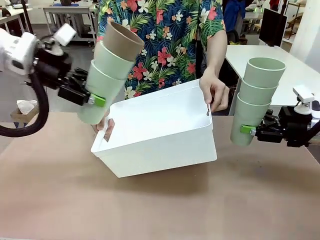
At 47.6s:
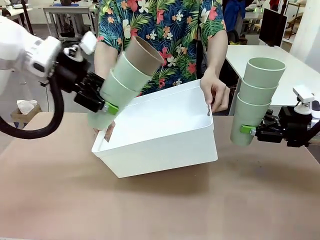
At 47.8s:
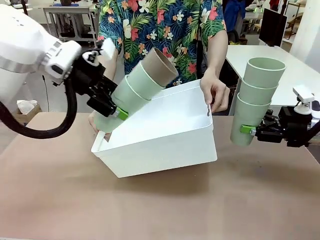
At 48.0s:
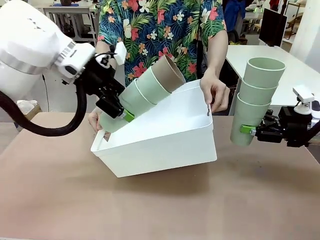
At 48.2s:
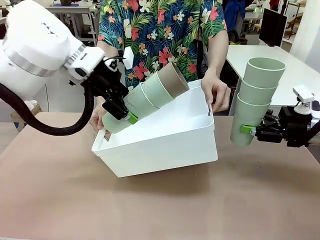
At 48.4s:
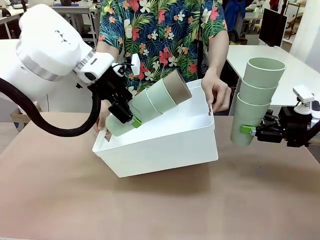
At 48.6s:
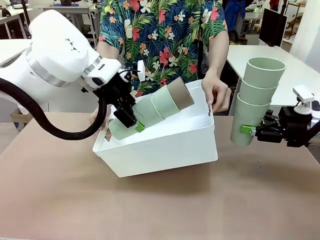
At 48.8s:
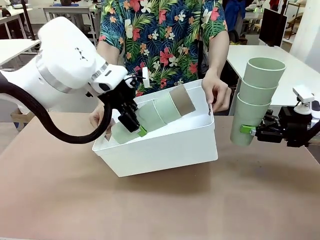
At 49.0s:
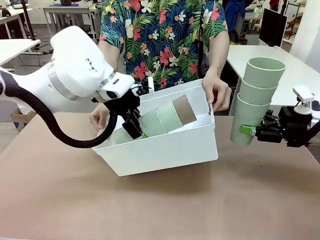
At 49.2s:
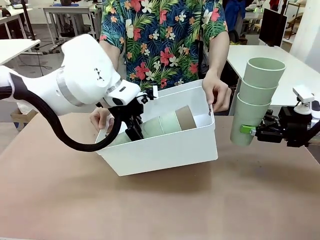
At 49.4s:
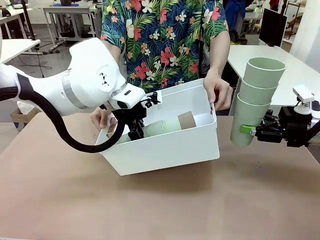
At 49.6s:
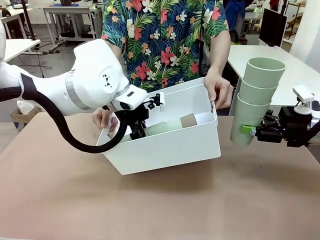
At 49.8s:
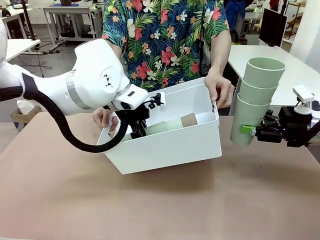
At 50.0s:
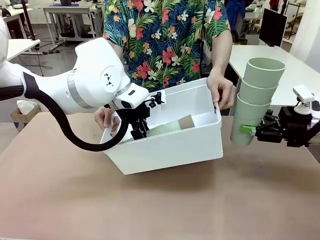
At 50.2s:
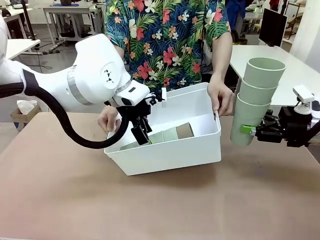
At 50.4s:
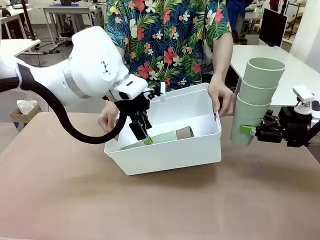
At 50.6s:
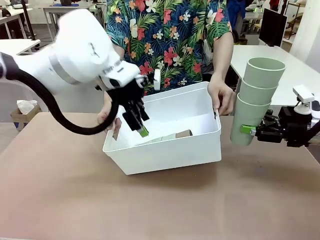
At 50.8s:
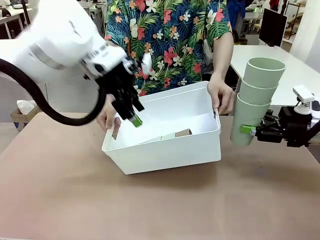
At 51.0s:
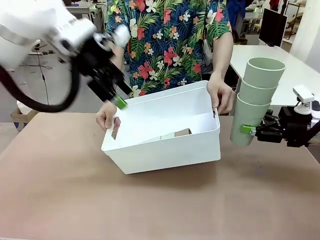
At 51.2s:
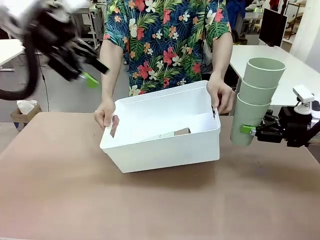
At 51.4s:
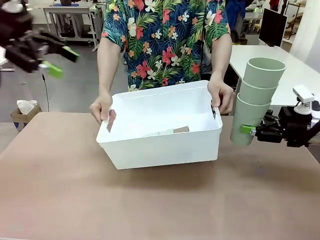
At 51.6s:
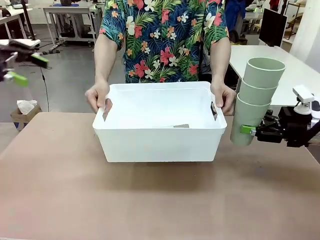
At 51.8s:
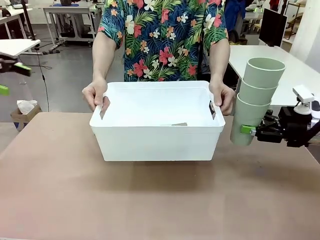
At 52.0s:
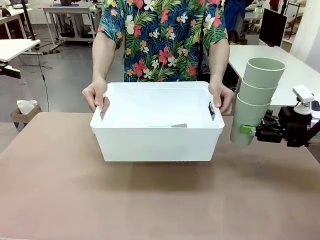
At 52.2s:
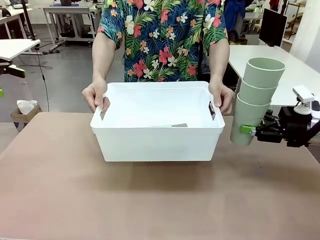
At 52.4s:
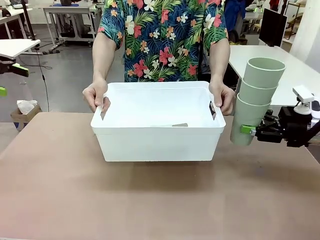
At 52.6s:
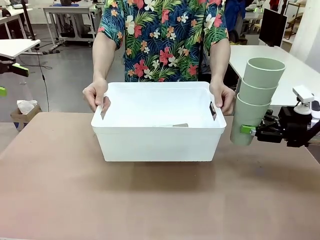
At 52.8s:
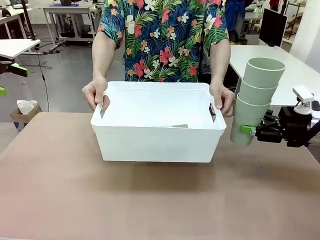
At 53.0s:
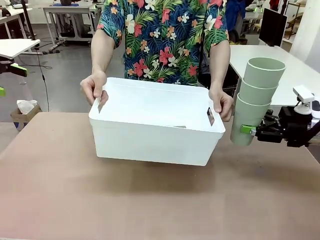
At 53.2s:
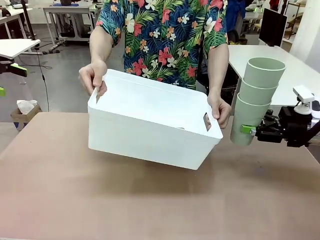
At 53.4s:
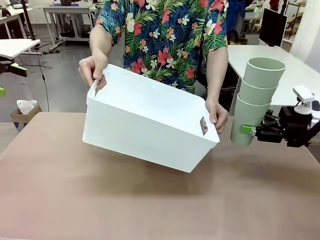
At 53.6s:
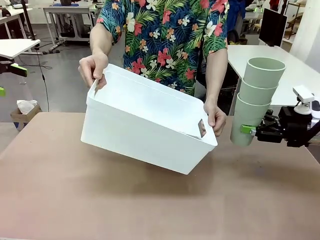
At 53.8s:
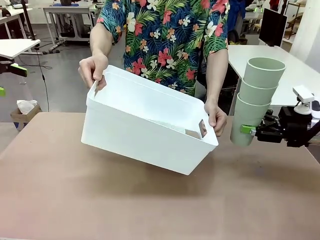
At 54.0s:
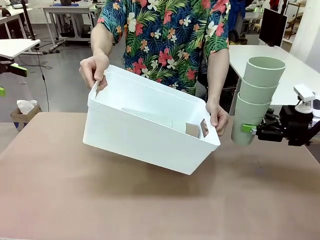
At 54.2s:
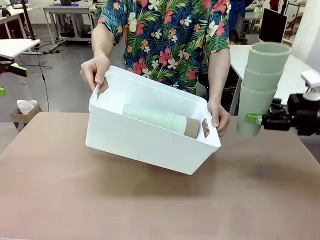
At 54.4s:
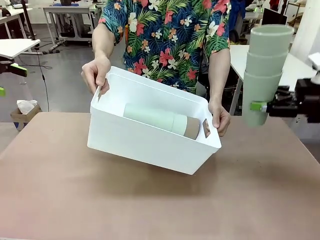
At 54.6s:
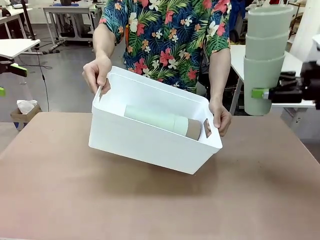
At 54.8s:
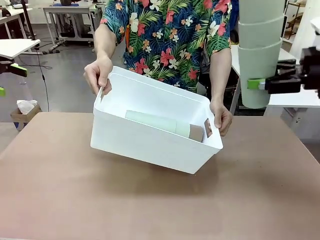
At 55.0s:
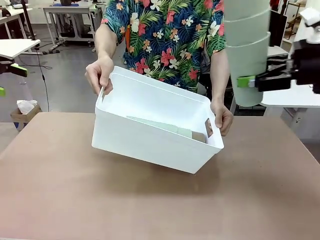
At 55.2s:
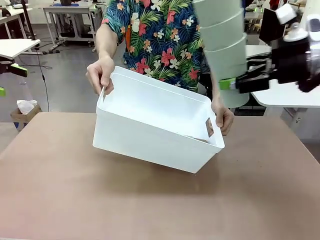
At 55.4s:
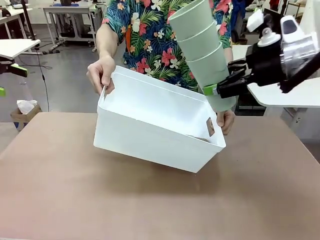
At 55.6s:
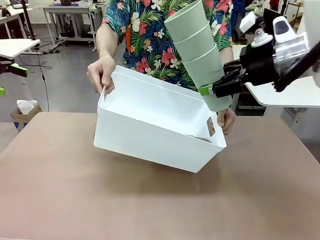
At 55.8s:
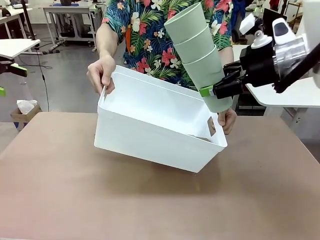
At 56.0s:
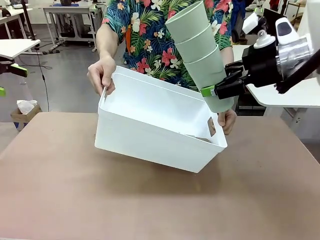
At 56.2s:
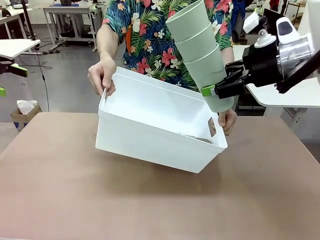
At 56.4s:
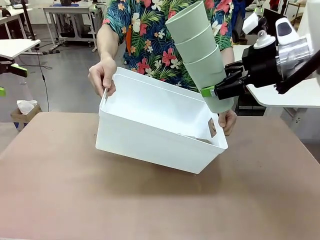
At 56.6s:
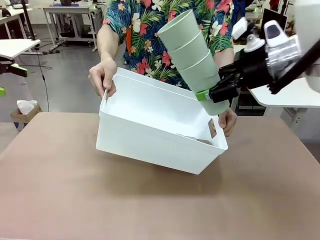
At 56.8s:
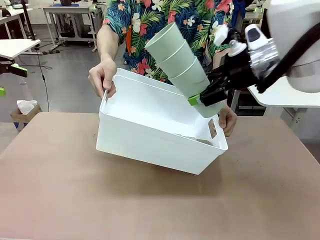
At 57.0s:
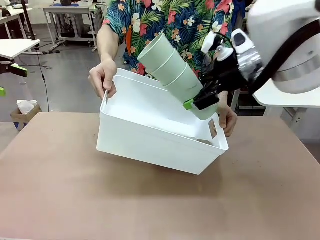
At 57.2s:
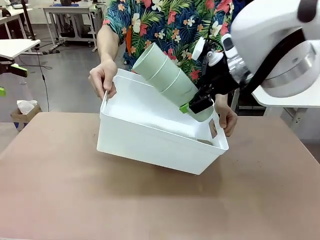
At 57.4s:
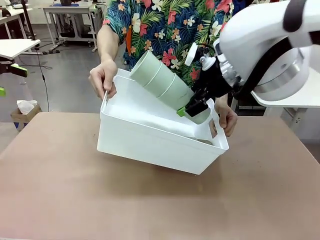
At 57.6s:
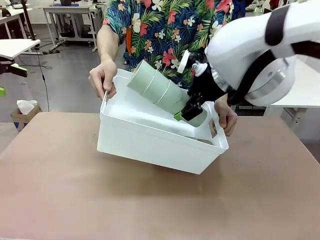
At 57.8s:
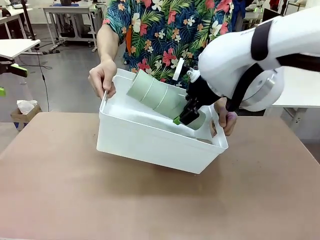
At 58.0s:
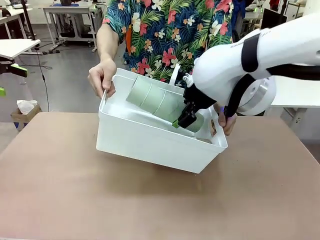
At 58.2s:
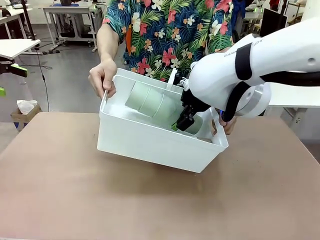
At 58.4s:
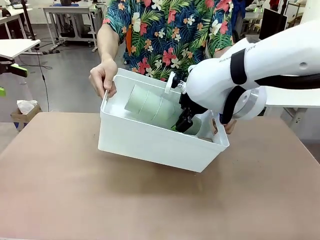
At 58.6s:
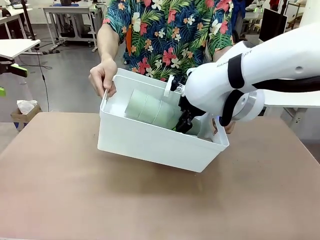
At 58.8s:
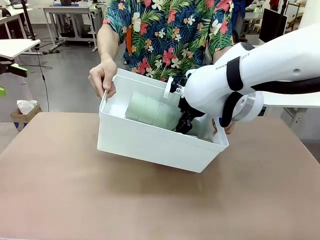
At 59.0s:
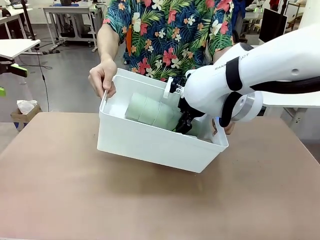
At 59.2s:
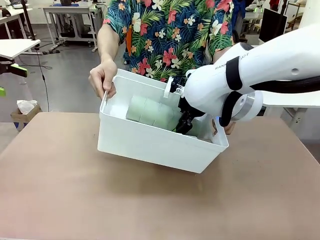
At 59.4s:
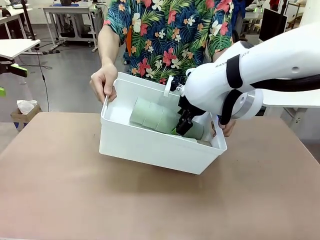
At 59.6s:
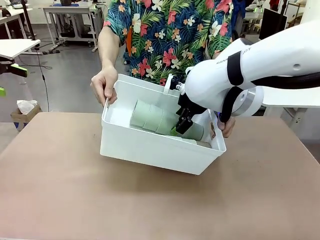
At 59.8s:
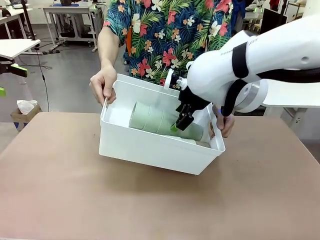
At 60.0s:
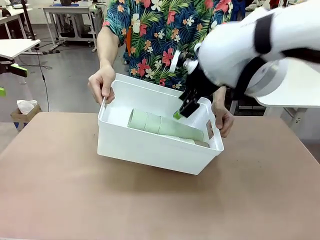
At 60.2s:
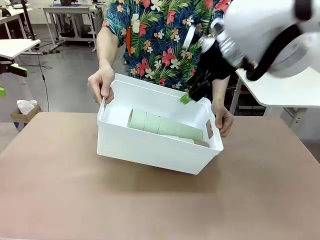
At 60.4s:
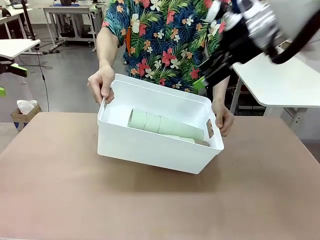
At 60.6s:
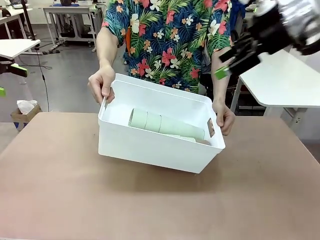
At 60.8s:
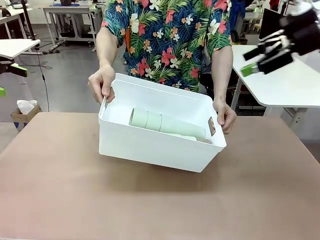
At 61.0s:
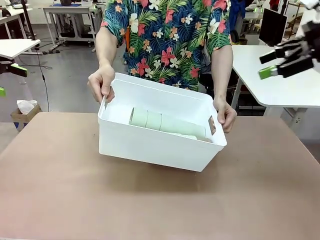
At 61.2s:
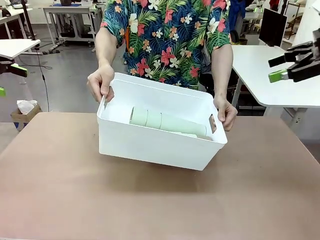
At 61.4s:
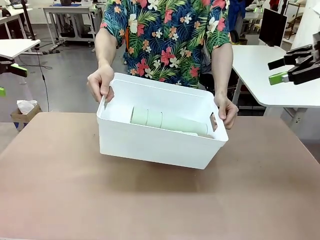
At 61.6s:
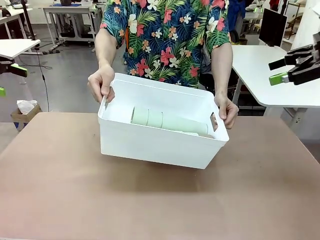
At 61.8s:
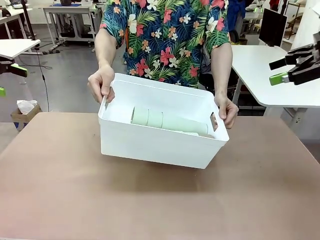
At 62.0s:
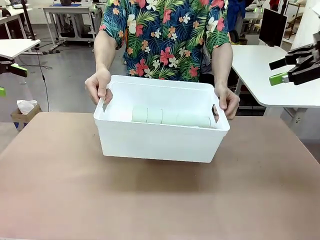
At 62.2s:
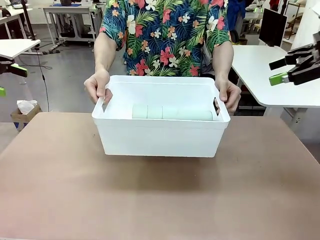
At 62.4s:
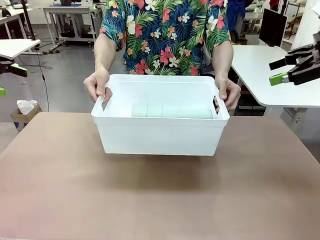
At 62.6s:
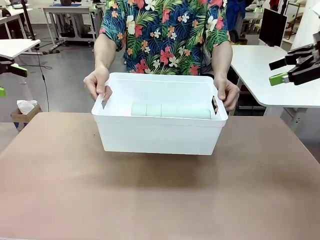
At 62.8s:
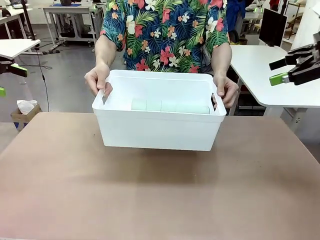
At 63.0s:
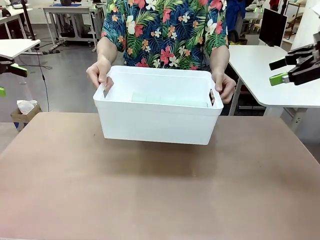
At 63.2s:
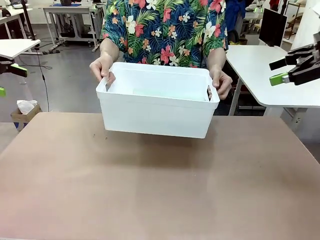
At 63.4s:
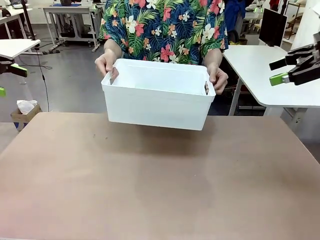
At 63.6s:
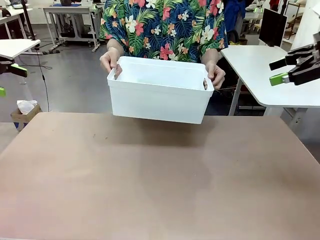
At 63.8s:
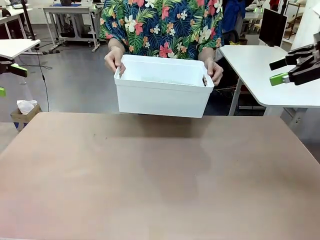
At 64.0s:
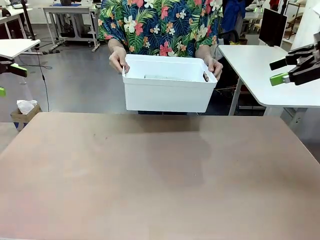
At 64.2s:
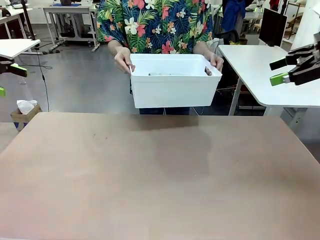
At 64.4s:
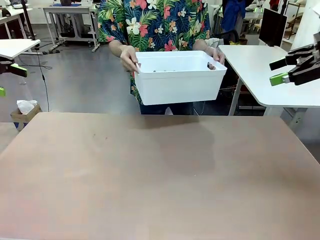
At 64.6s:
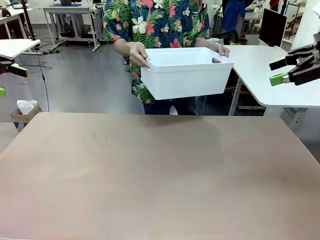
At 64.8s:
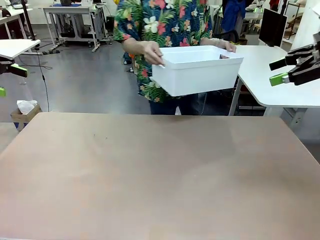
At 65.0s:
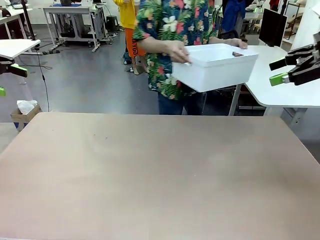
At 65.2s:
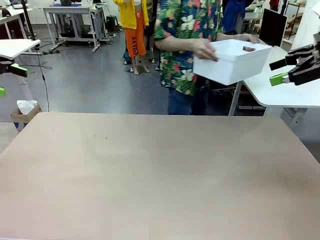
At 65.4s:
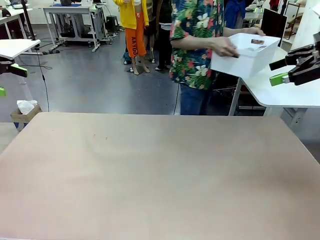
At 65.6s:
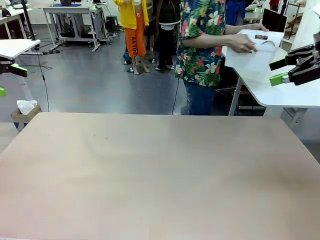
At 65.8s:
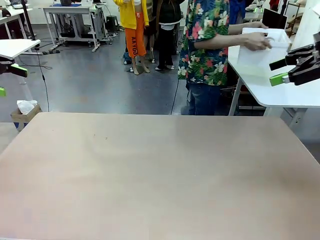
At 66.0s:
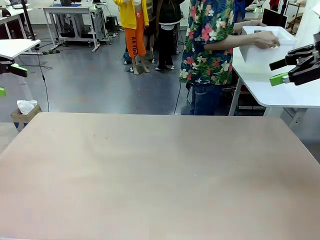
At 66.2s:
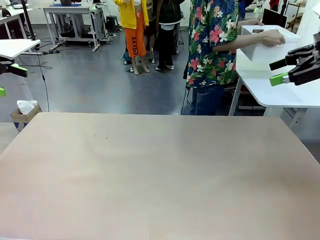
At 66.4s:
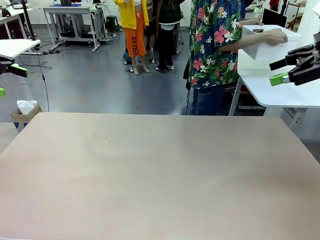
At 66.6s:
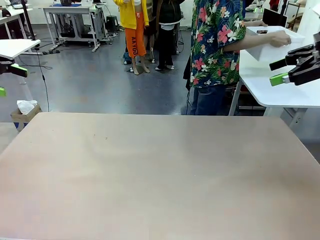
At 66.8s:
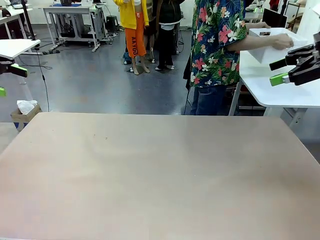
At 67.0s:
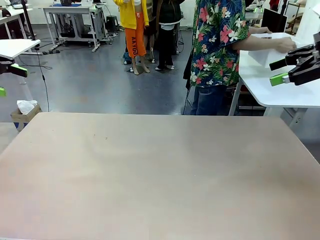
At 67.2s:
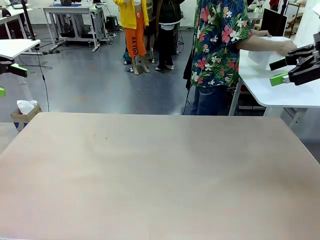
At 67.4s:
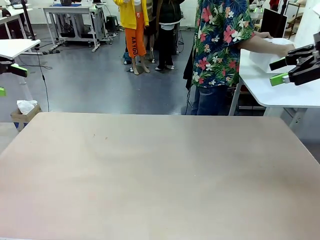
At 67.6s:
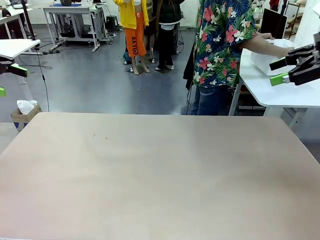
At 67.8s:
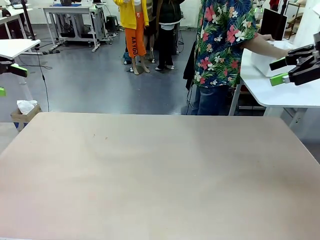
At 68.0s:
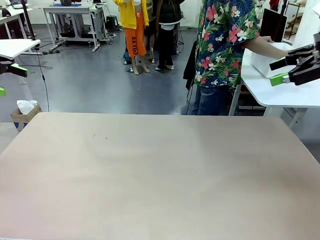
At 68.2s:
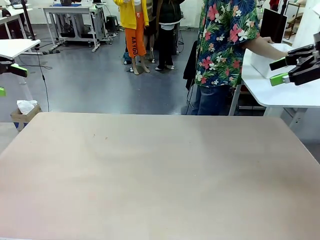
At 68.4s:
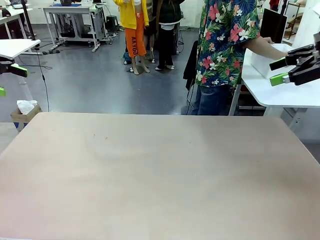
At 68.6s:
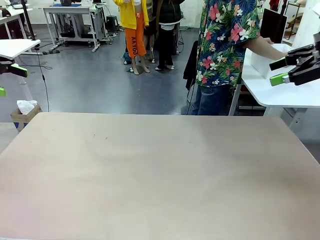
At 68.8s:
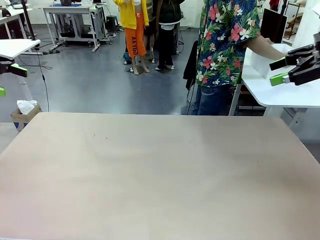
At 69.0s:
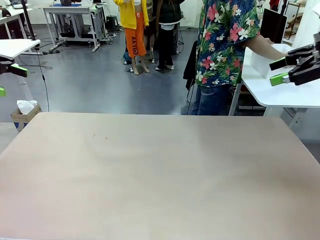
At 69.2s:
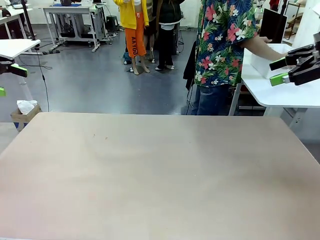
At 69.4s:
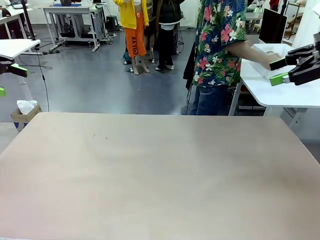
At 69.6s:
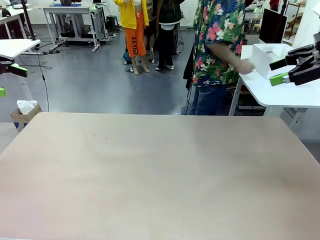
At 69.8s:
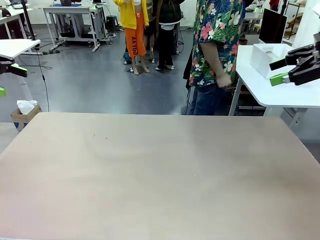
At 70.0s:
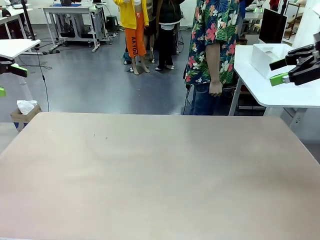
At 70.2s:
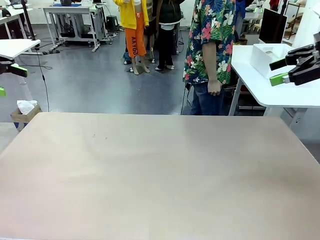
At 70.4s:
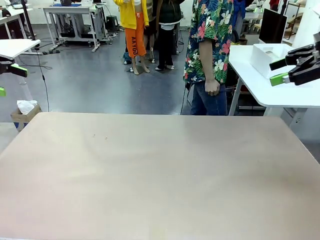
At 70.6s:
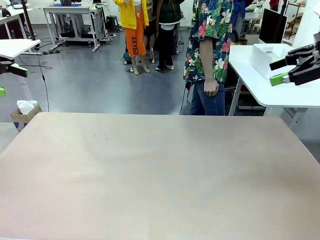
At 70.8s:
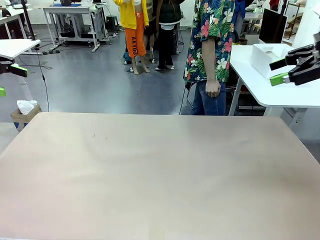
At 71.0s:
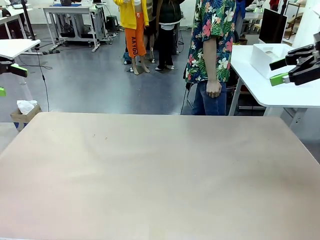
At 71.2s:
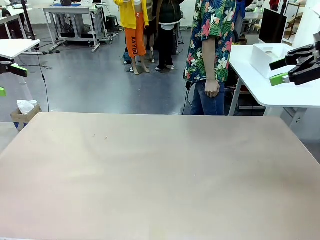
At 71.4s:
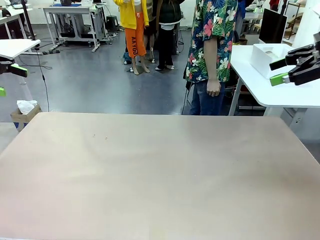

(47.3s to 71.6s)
Task: Stack the cups and store them in the basket.
Robot: Place the stack of Reusable plastic cups into the Pantry Basket.
Person: Place the basket containing the cups in the middle of the Human Table.
